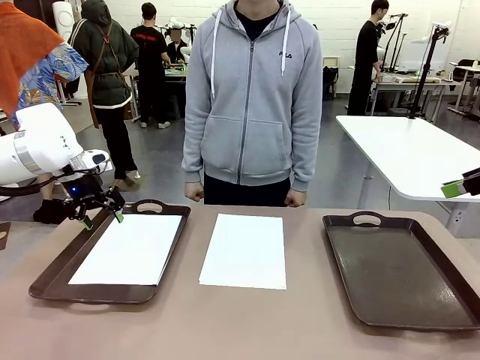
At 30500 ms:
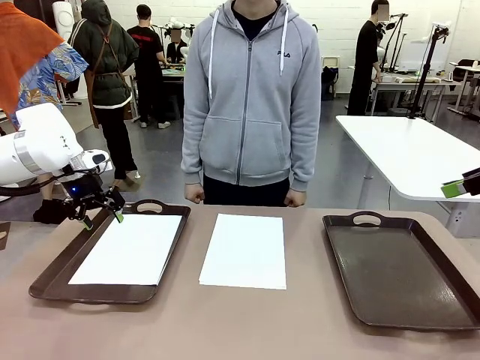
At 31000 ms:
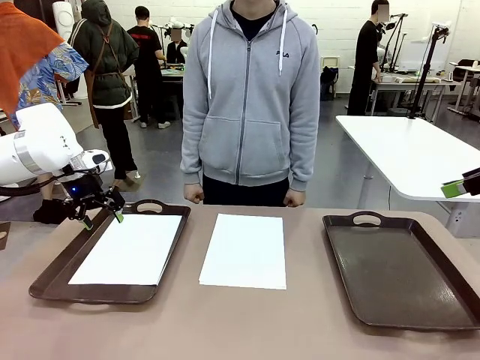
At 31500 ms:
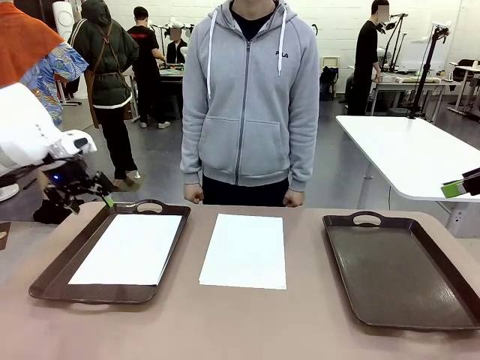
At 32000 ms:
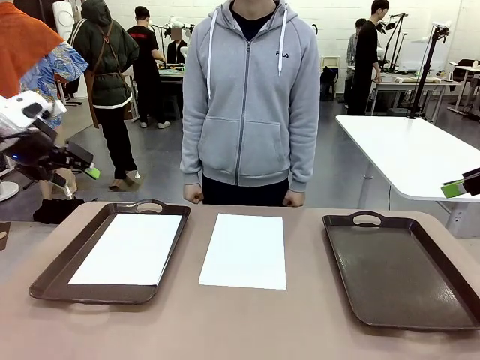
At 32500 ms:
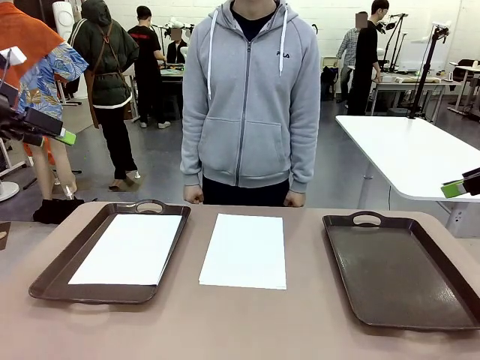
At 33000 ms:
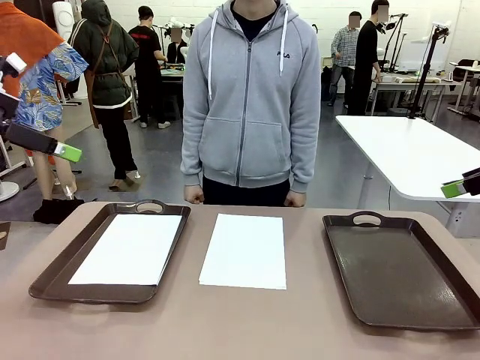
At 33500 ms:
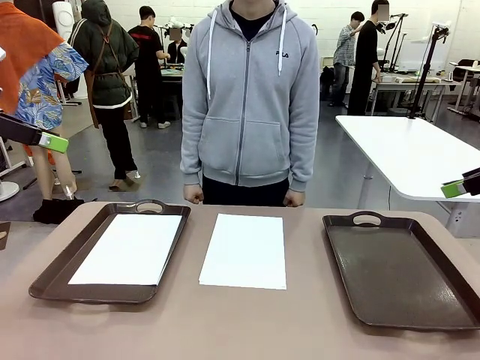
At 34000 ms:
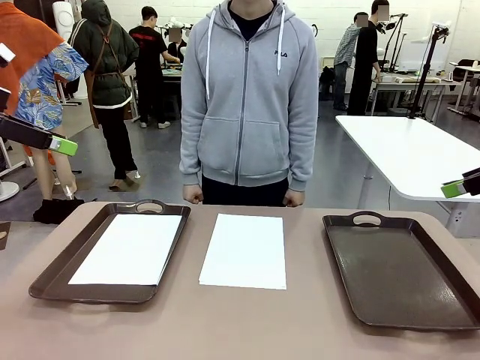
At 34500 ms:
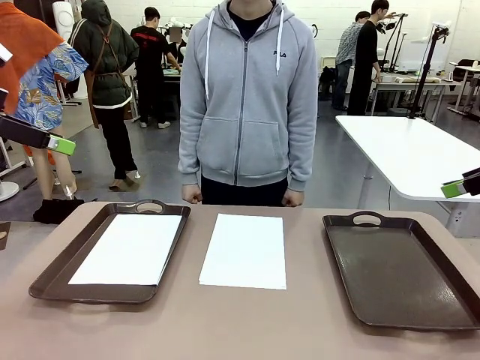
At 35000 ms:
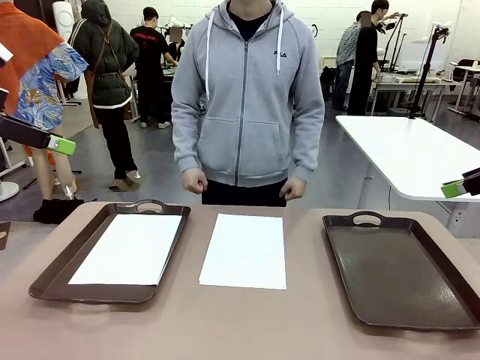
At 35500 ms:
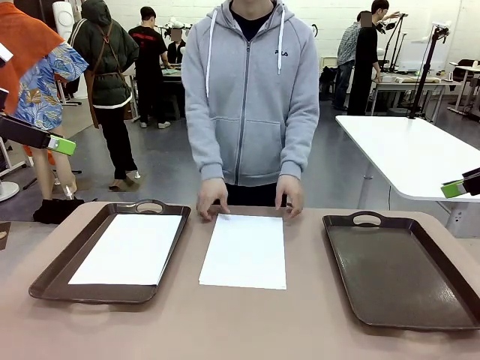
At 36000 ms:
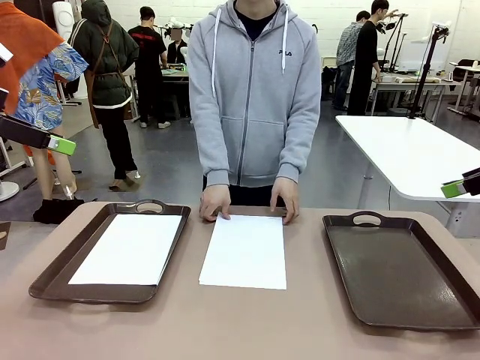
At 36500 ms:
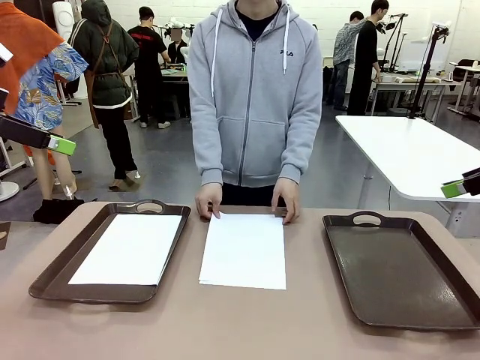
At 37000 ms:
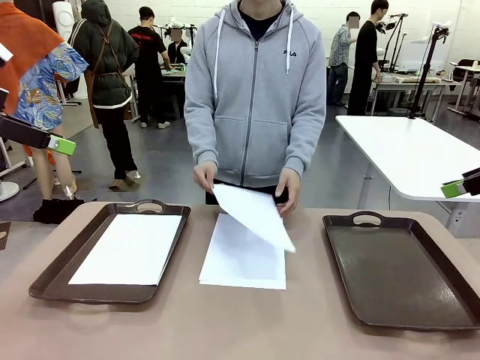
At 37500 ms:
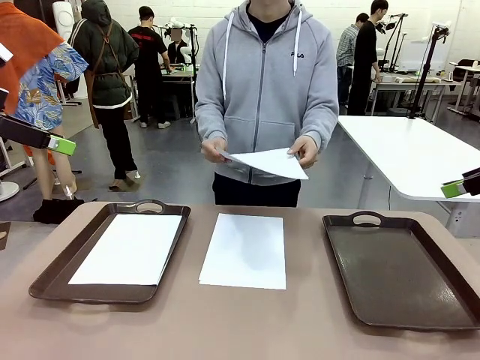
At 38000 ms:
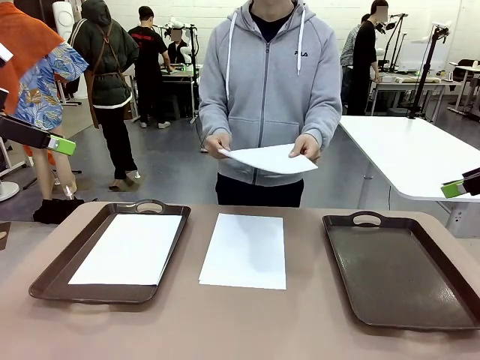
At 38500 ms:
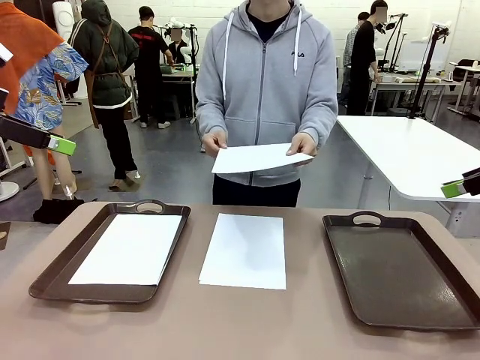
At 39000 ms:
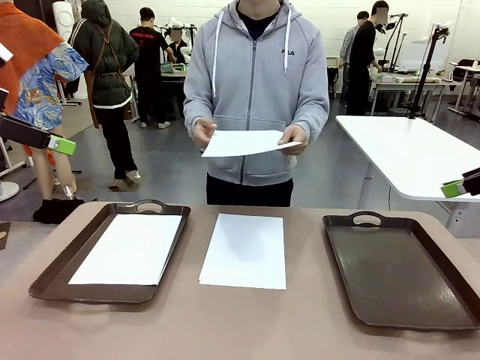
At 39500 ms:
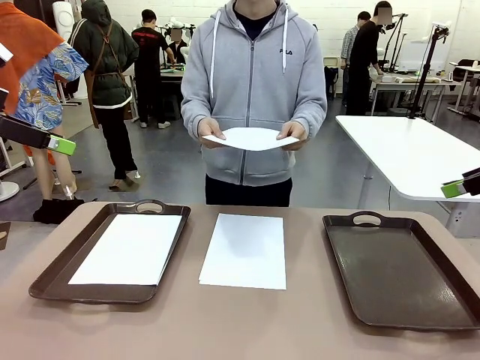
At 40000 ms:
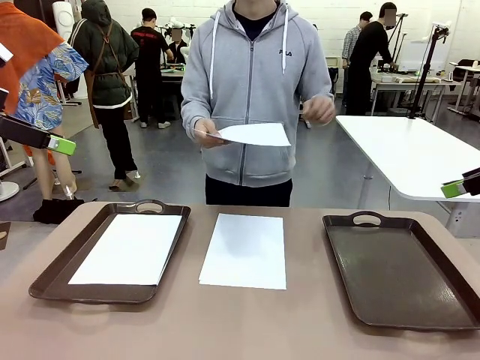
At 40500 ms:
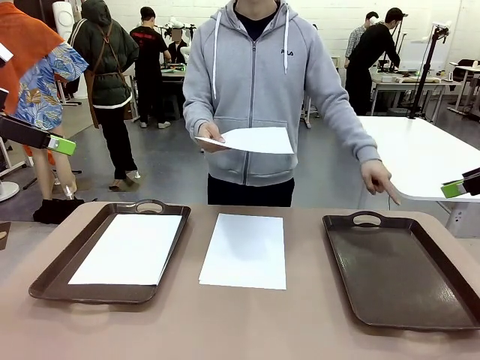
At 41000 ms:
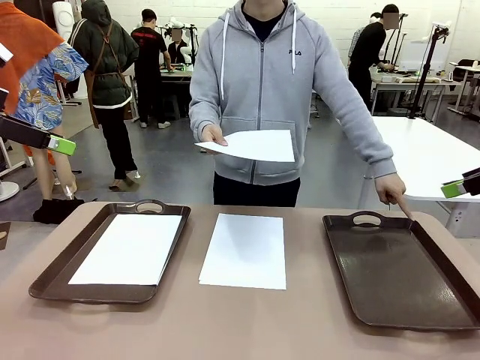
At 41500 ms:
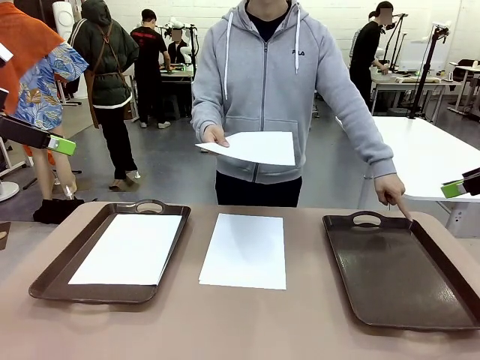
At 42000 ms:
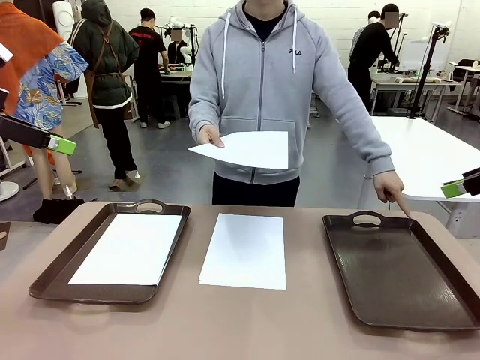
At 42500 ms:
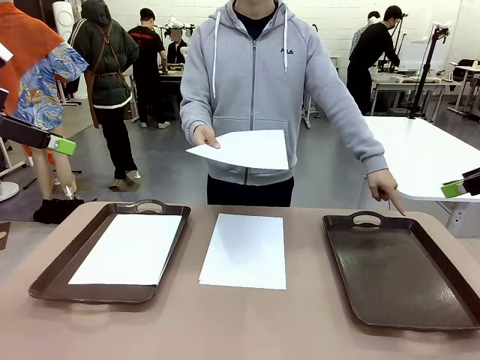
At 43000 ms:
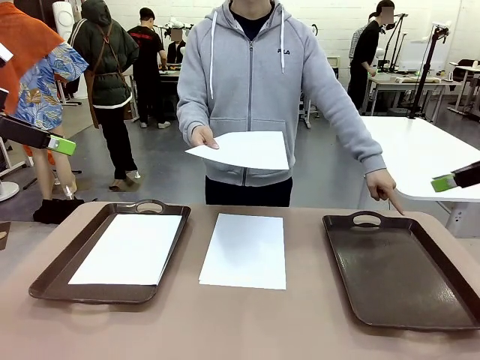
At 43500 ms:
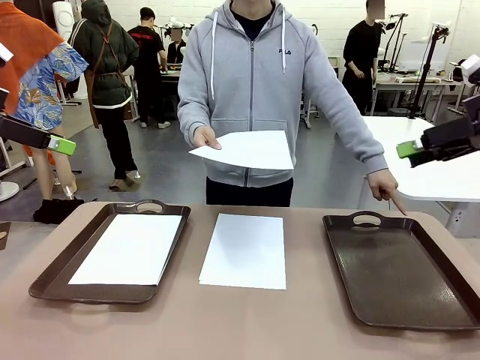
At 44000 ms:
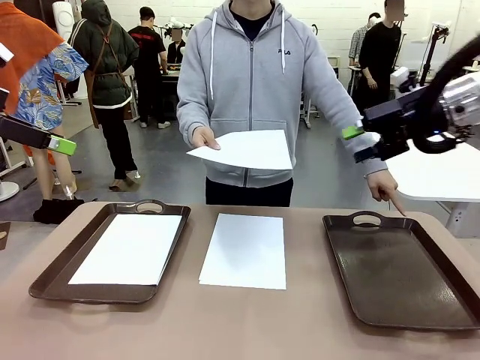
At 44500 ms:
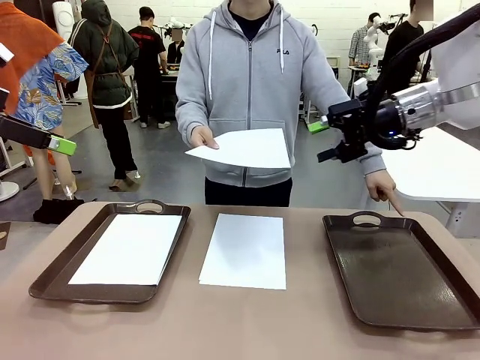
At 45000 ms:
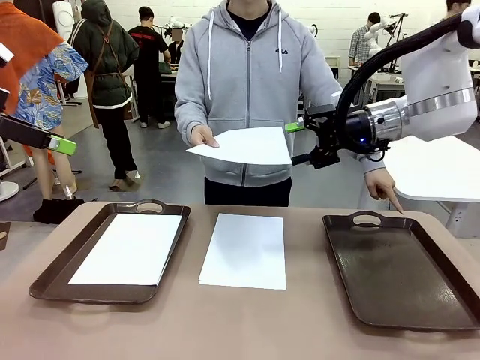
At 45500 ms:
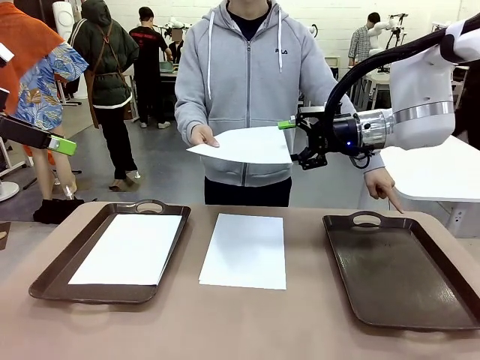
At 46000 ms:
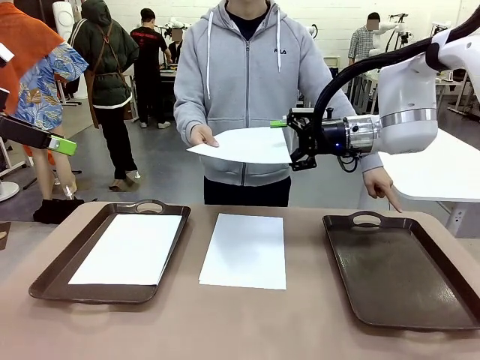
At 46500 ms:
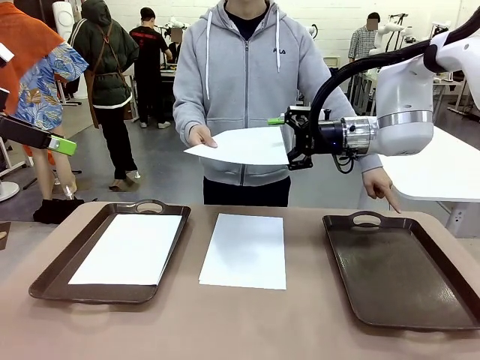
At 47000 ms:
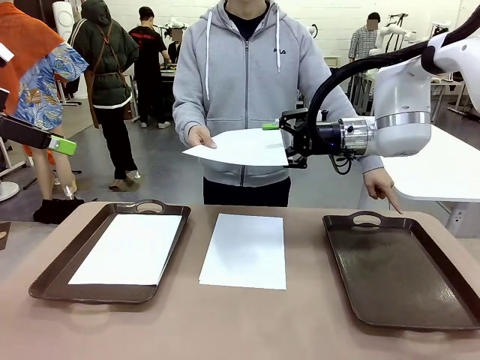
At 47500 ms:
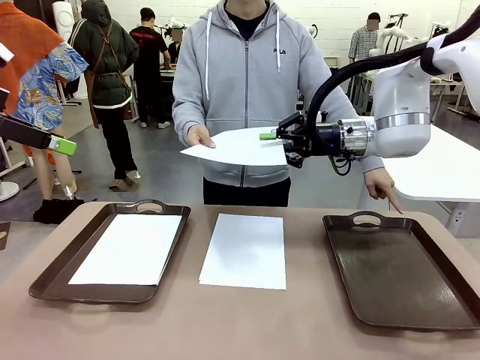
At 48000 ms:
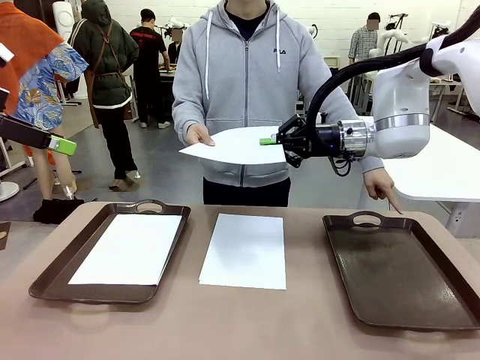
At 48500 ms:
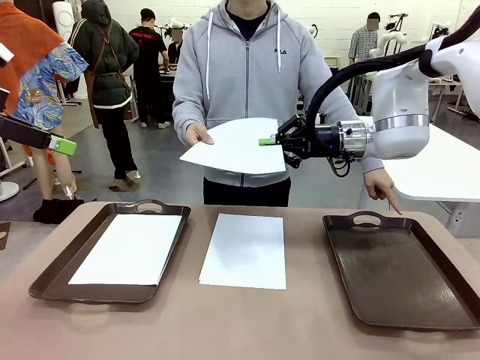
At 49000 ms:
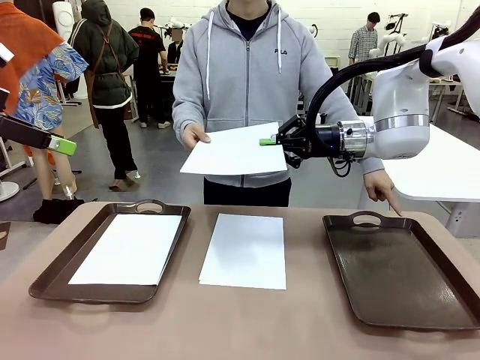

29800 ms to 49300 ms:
Task: Sort the A4 documents.
Robot: Receive the A4 Paper.
Person: Point the randomly selected tray with the other hand.

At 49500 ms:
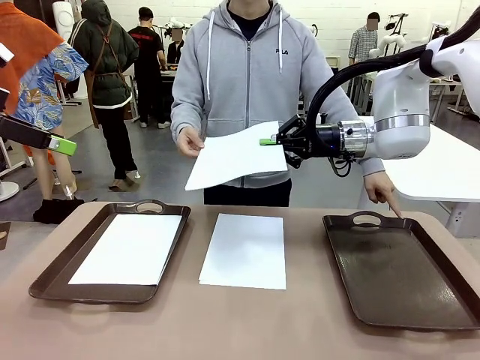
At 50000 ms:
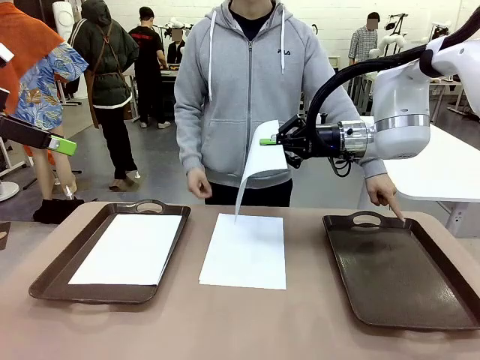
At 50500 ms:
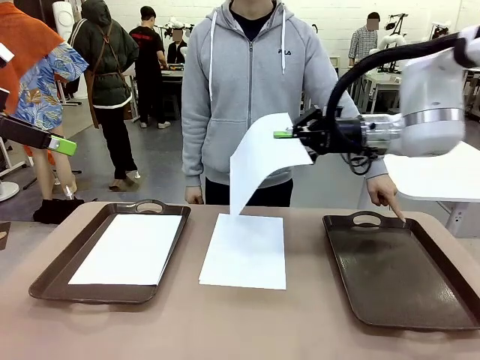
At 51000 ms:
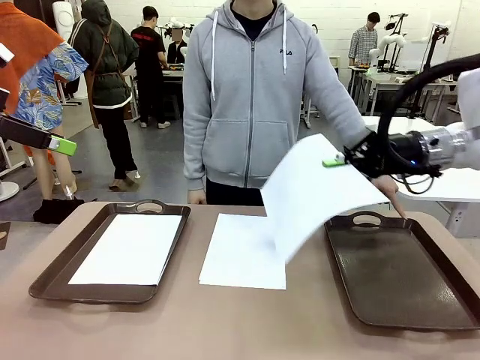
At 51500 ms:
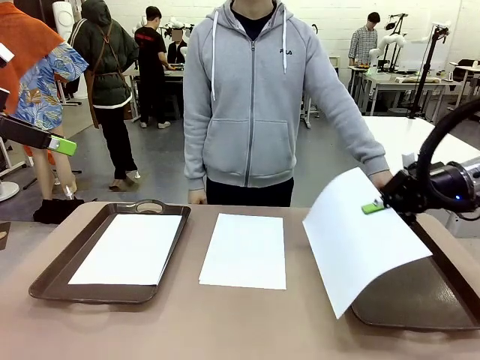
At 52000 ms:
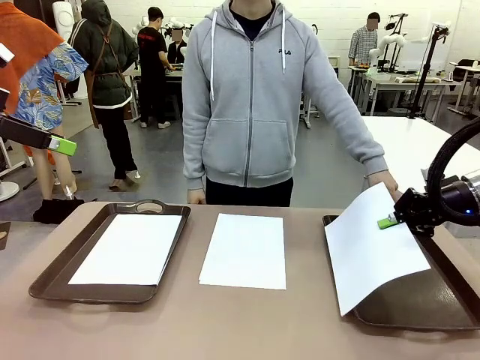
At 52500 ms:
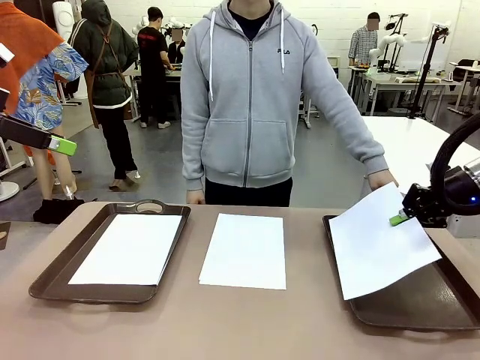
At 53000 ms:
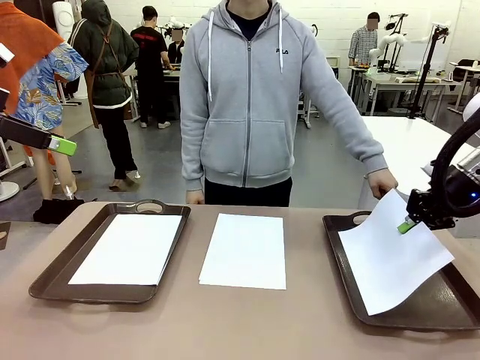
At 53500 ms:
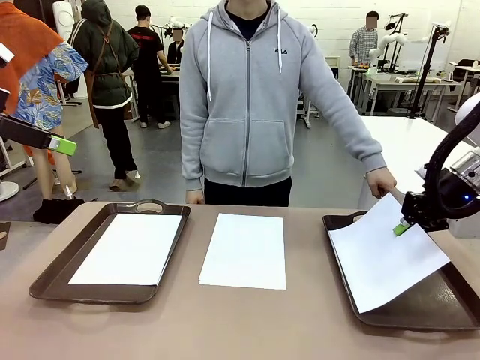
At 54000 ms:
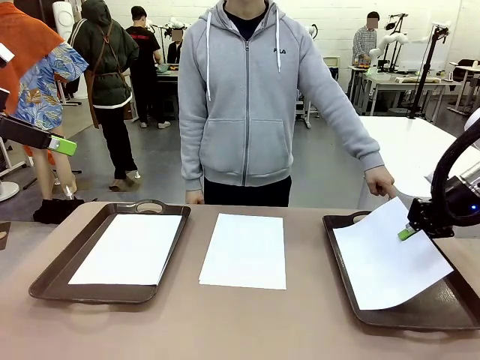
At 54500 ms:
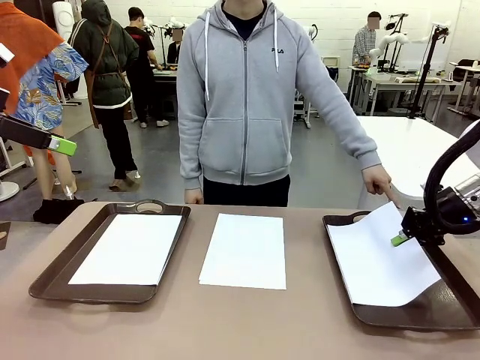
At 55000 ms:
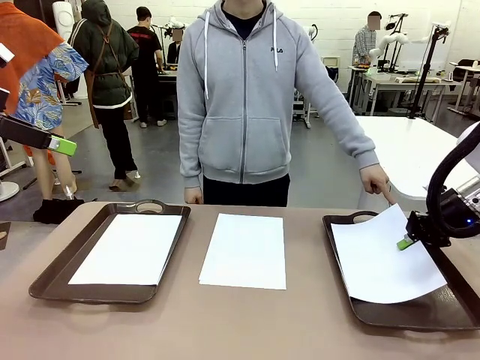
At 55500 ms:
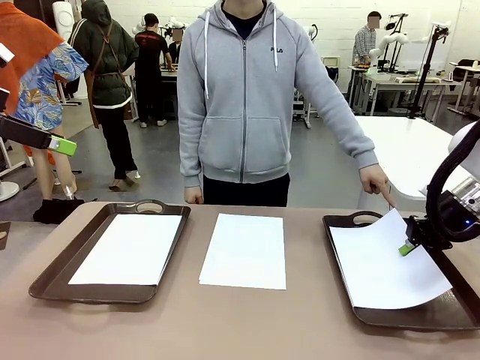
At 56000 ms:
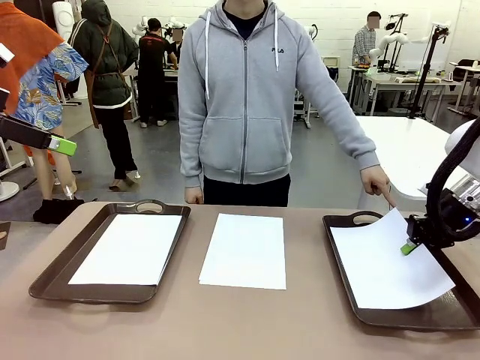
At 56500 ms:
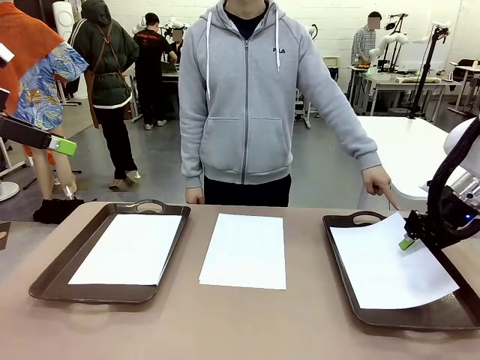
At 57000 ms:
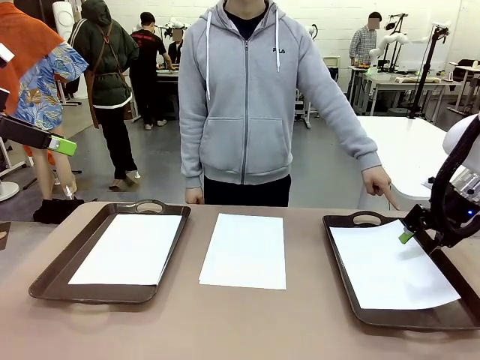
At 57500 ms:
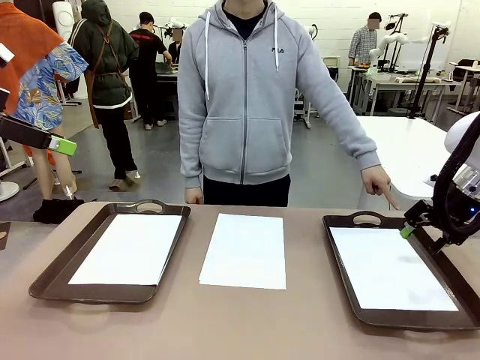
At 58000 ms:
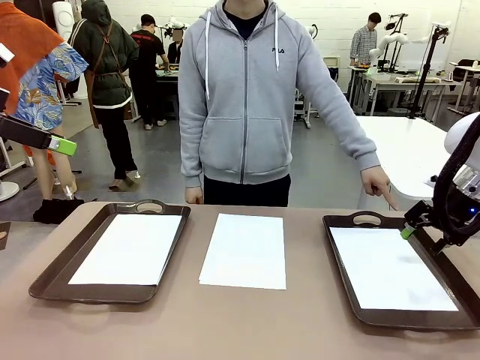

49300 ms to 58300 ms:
Robot: Place the A4 Paper in the designated Handle tray.
